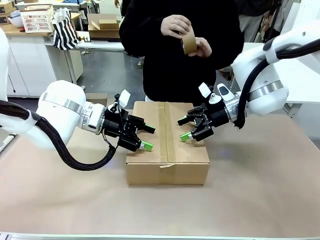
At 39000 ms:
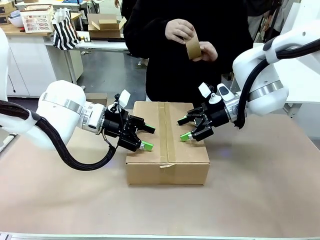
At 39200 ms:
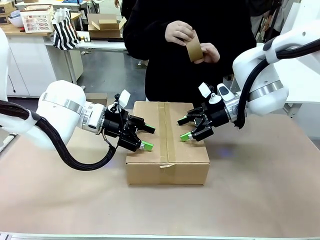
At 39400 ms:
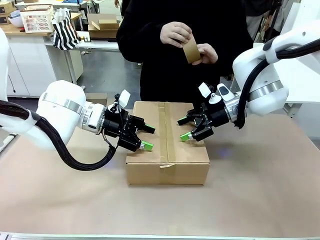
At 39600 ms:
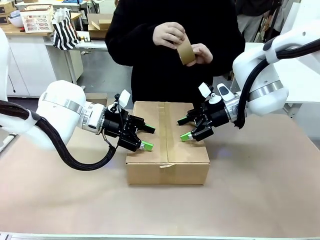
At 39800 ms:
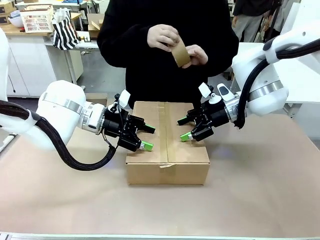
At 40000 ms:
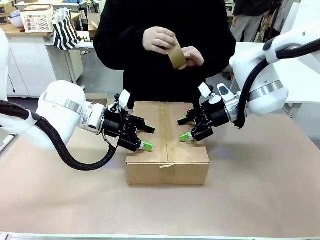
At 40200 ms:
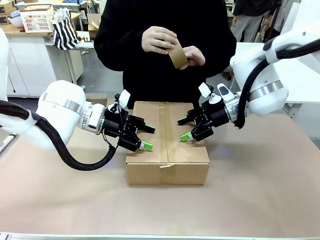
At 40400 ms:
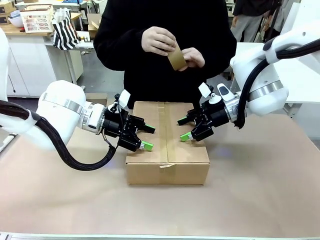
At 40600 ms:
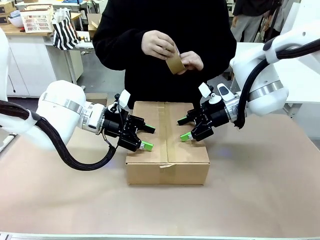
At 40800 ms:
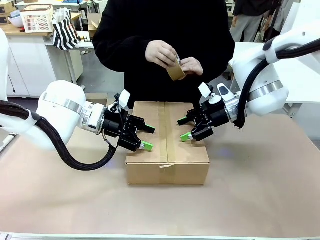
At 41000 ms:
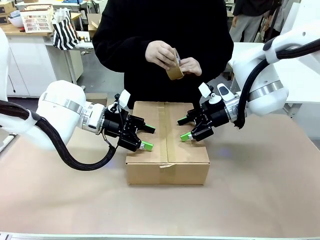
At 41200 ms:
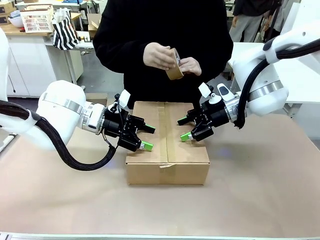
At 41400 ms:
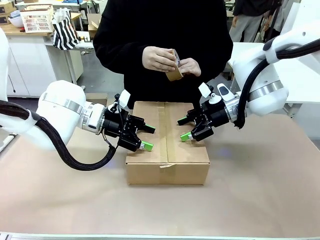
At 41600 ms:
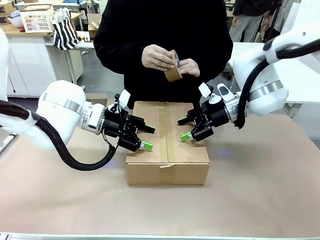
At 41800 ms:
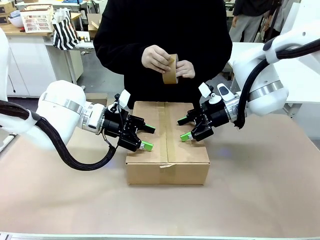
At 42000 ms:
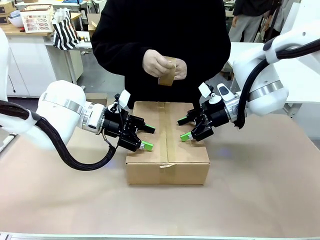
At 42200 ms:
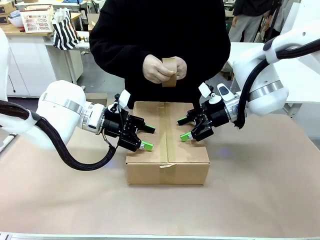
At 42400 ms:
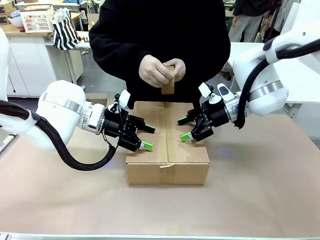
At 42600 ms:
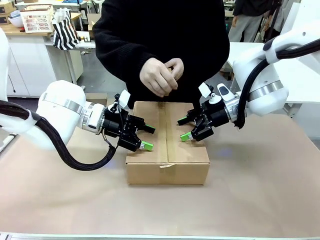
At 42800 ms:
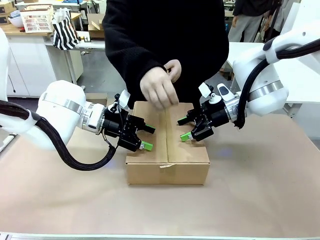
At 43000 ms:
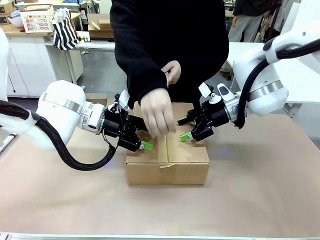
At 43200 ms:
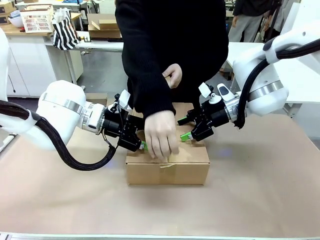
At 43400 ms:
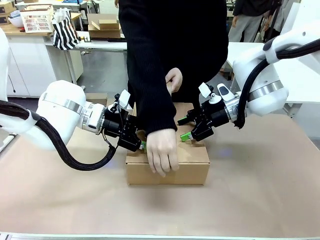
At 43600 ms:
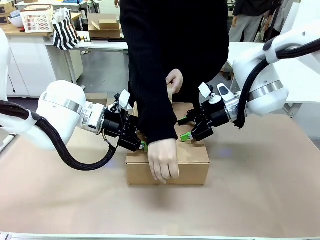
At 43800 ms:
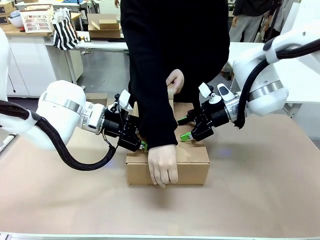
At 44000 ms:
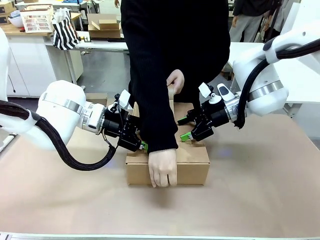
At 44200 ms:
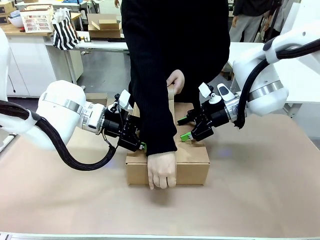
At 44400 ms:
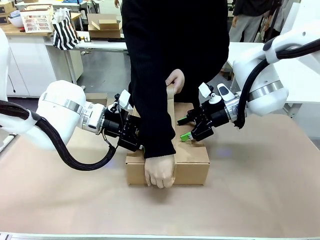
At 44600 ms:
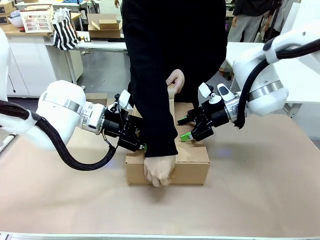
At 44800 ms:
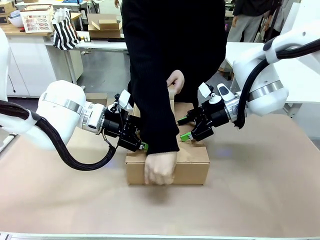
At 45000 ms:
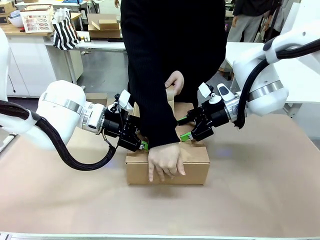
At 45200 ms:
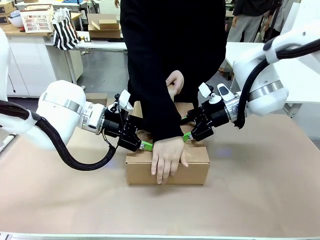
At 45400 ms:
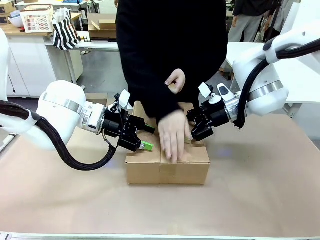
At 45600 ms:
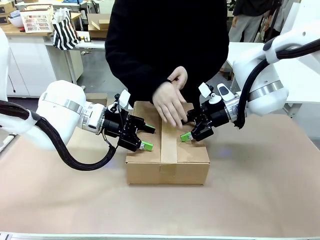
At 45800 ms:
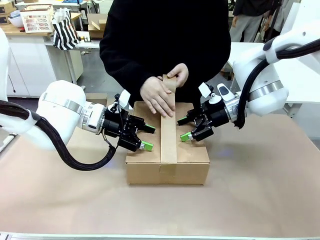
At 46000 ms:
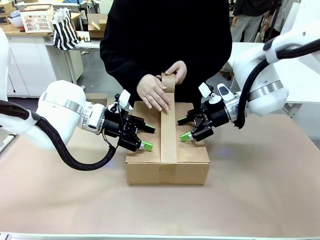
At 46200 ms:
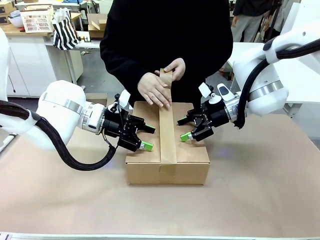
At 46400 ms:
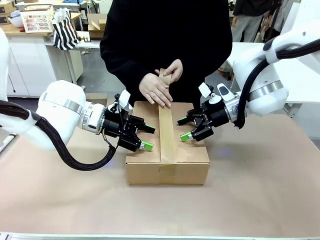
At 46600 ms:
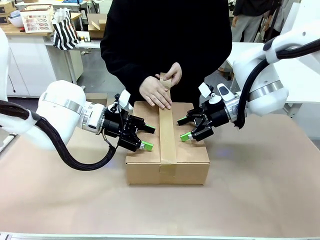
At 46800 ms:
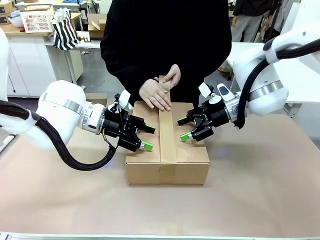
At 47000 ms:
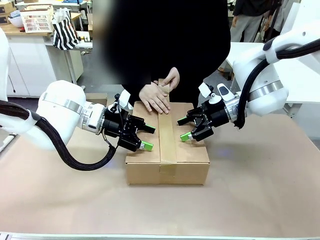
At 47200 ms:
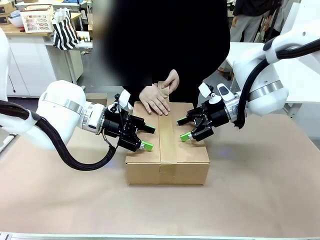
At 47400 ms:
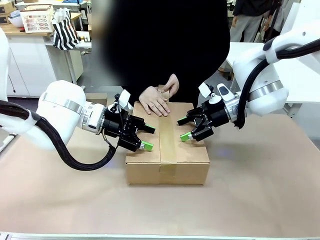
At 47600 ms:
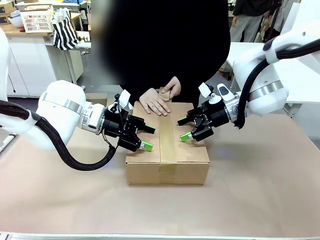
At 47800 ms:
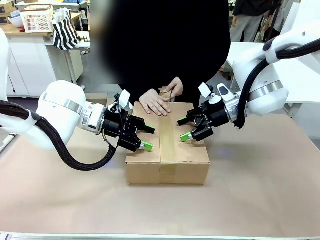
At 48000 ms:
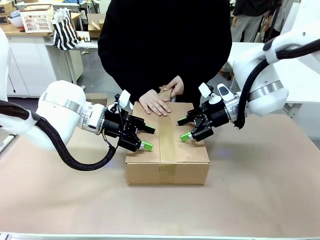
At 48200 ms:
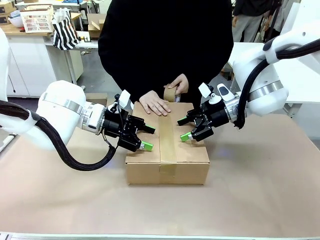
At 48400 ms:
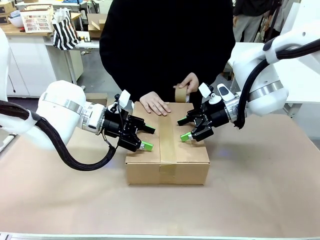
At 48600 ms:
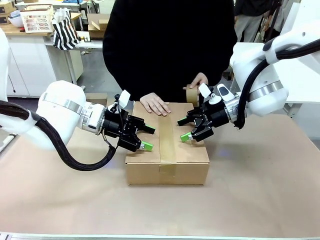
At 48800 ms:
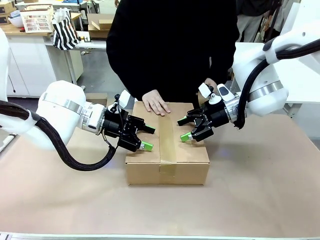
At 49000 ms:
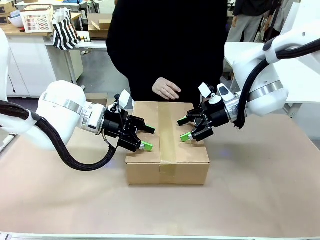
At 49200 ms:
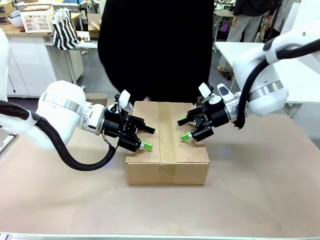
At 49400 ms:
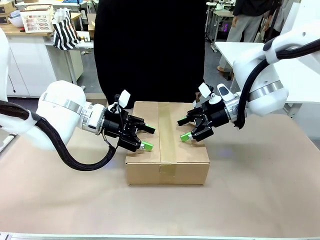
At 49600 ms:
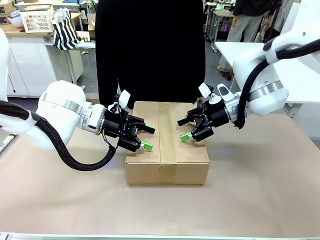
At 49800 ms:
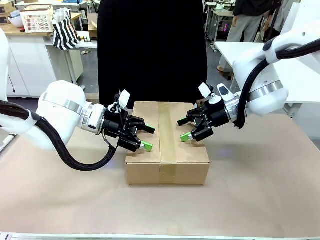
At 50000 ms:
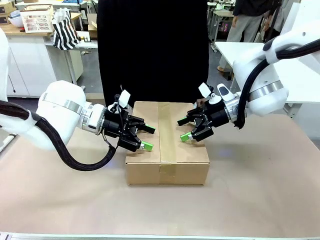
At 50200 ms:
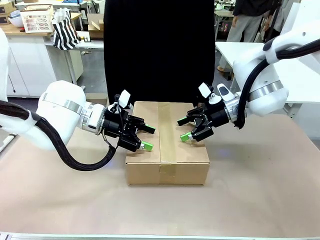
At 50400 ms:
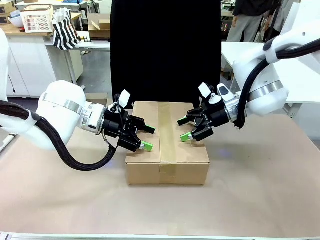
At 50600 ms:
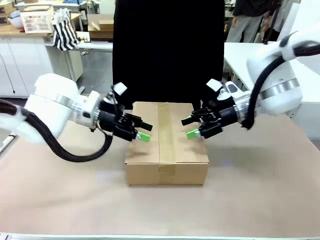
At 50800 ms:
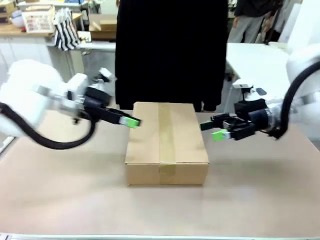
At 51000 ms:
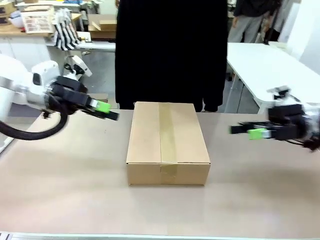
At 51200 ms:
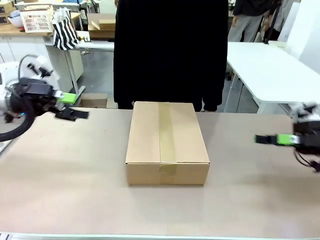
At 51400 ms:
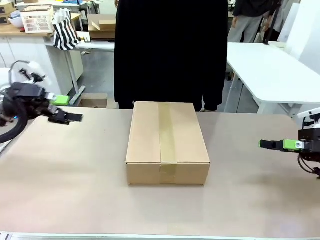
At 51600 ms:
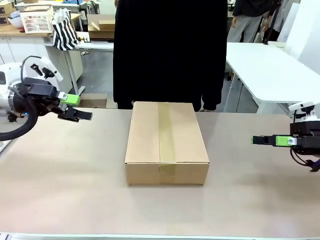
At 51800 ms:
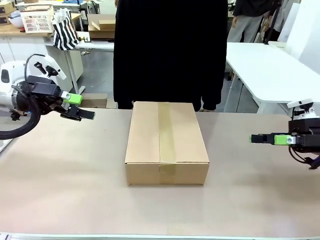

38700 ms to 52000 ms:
Task: Pack the gift set into the box.
Robot: Press and hold the closed box until the human finishes sealing it.
Person: The human picks up the paper tape from the human table and packs the box.

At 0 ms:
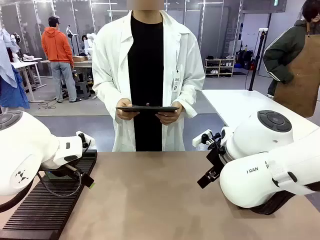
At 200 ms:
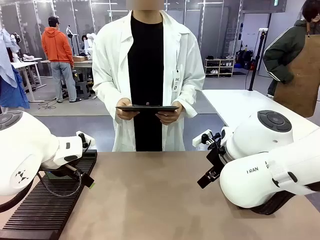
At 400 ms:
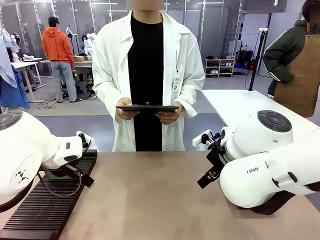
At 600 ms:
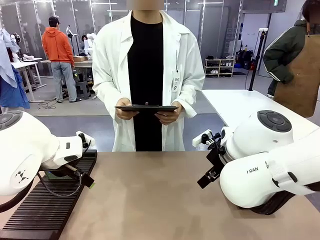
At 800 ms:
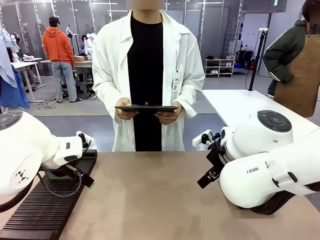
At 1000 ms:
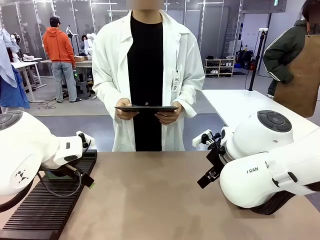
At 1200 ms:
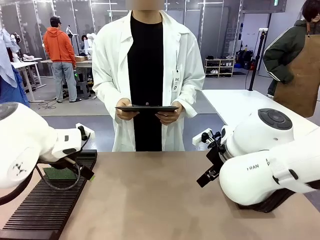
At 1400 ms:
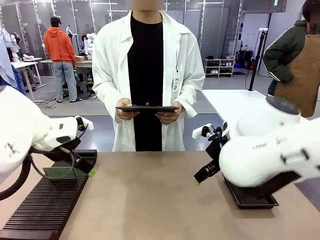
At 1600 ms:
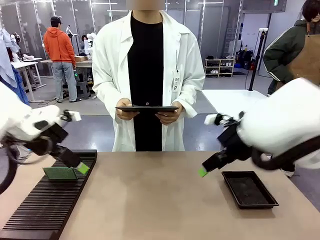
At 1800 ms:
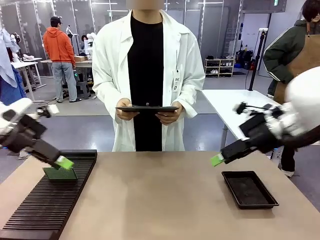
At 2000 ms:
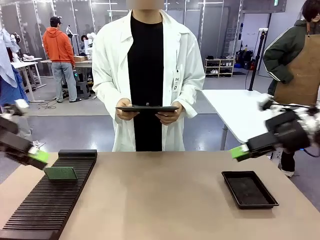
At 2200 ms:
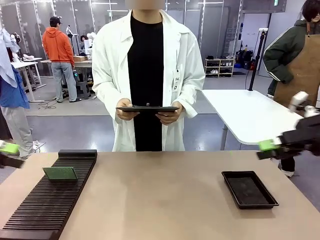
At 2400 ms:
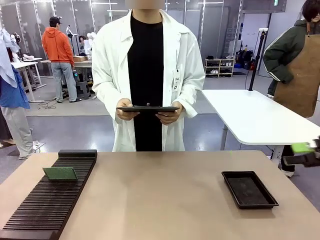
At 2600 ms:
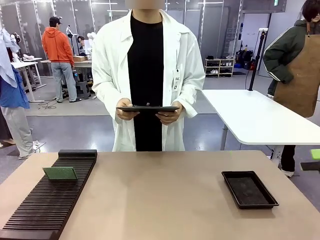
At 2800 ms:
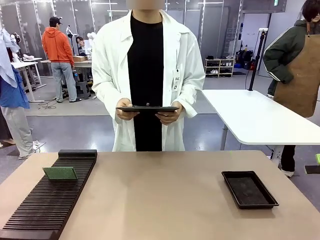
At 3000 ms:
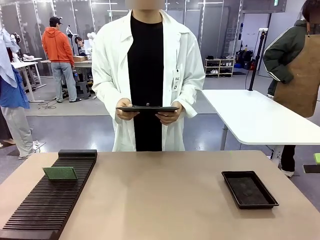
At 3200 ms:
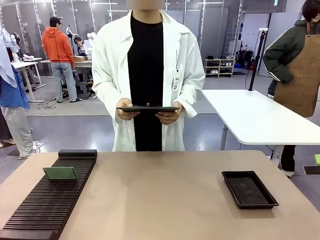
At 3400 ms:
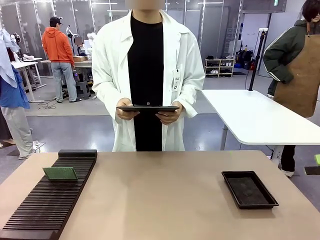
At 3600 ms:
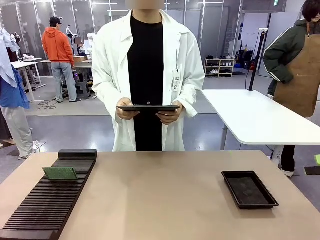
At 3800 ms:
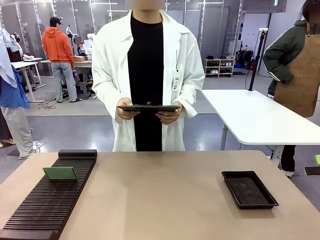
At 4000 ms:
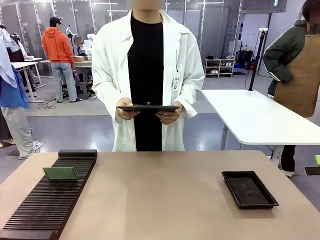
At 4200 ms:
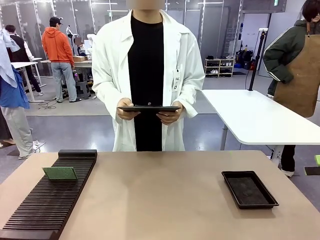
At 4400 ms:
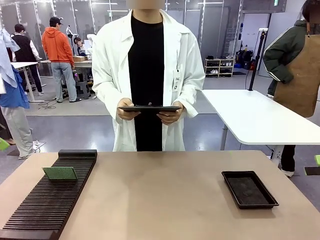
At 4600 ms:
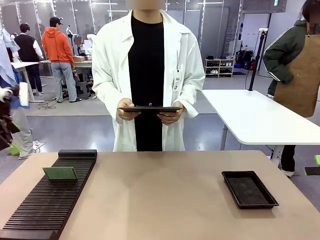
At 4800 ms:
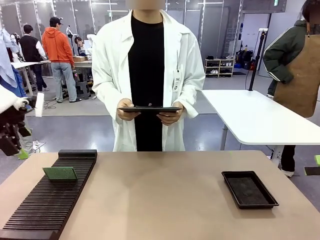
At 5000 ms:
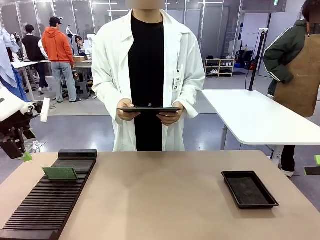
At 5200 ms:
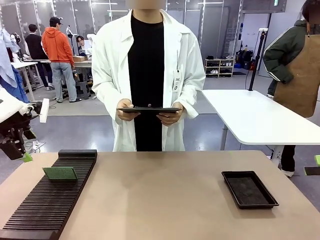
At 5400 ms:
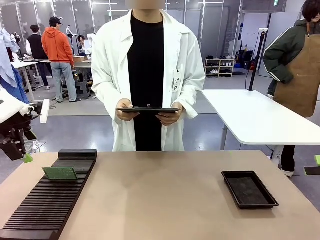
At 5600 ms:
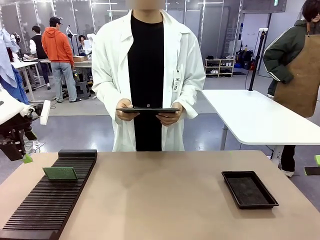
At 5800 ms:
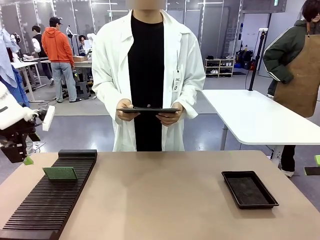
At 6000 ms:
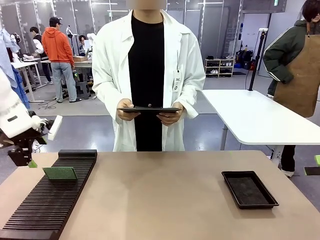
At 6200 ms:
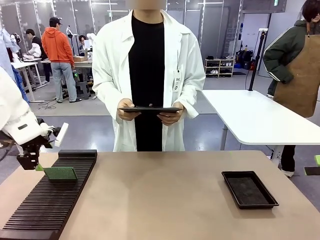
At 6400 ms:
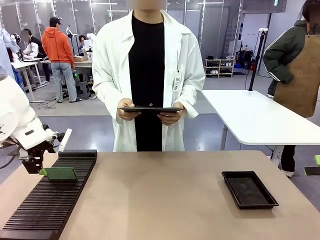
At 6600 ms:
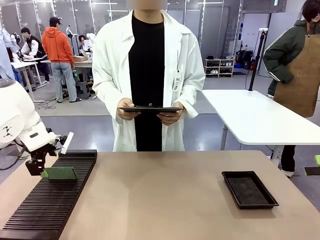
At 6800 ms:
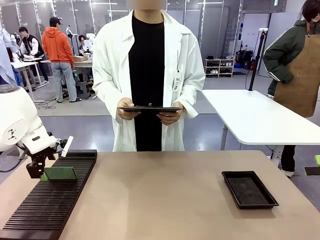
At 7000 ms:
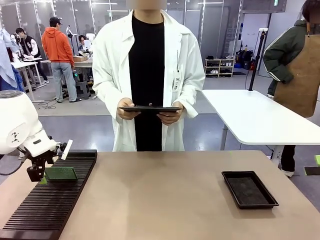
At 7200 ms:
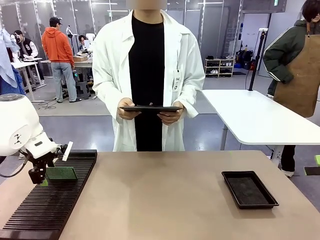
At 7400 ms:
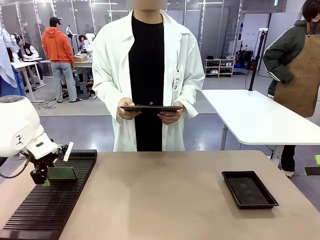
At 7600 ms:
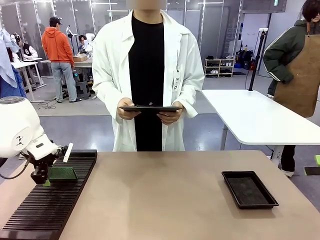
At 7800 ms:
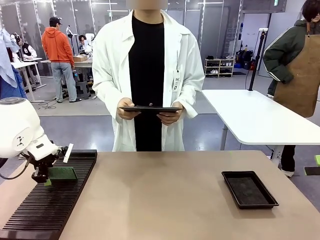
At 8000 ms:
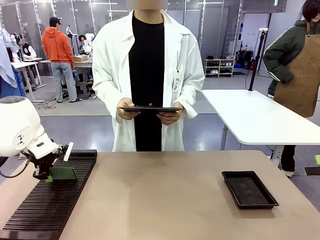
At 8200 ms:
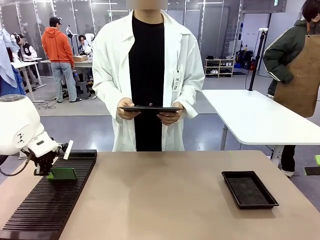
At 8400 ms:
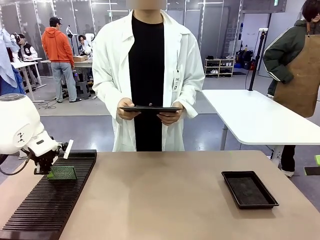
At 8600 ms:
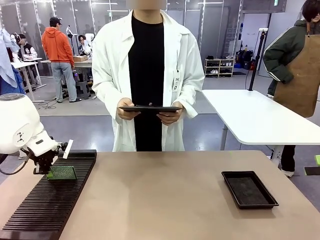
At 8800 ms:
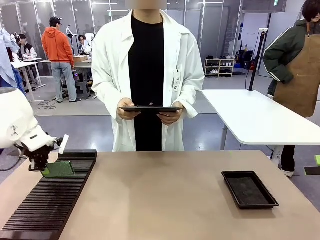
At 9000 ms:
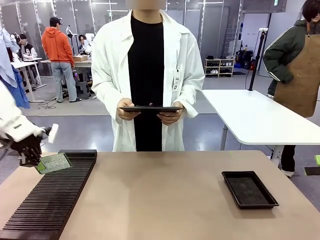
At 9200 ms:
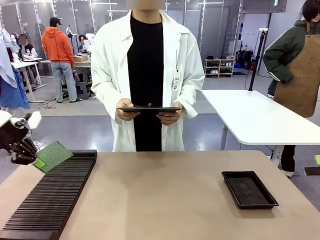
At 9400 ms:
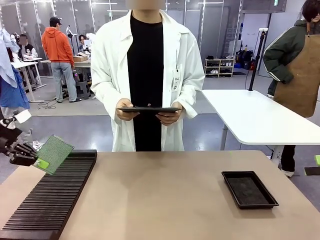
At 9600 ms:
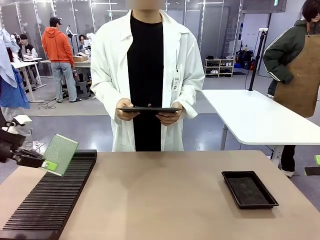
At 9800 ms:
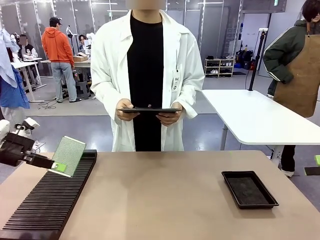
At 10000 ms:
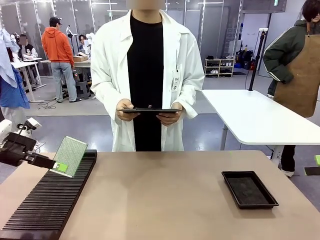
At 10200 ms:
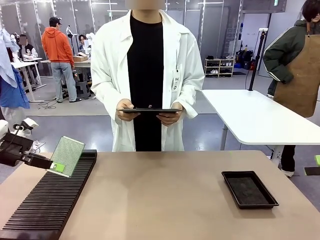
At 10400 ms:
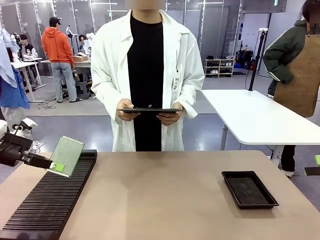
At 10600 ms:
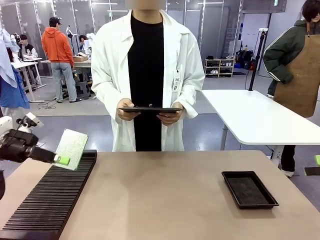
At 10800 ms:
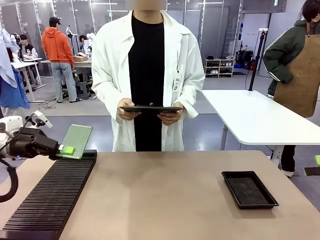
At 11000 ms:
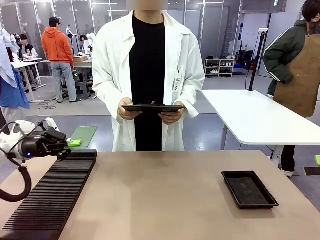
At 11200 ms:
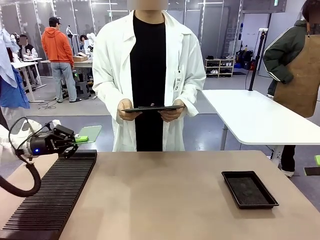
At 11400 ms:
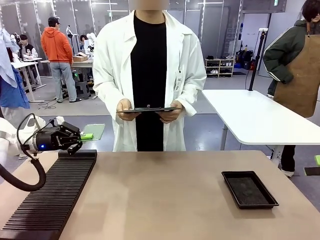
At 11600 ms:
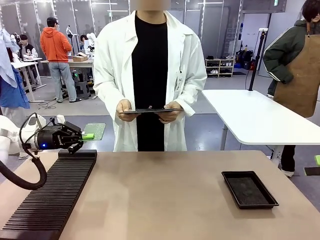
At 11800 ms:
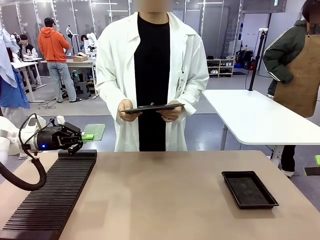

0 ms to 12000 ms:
Task: Inspect the PCB.
Robot: Pick up the Blank PCB and present it to the human.
Person: Pick up the PCB presented by the robot.
